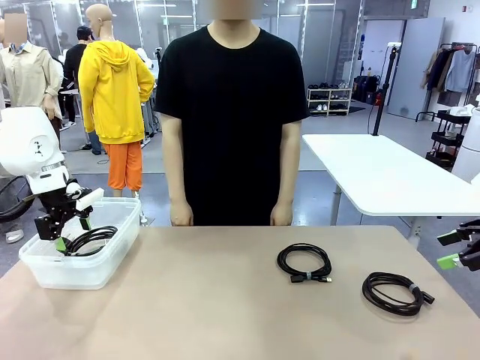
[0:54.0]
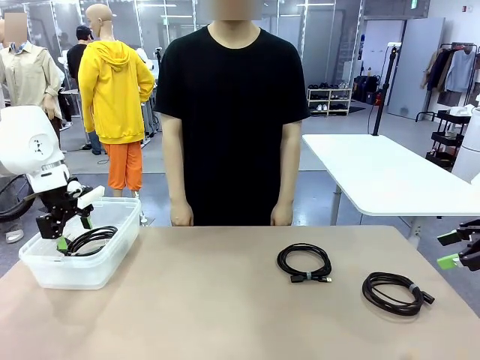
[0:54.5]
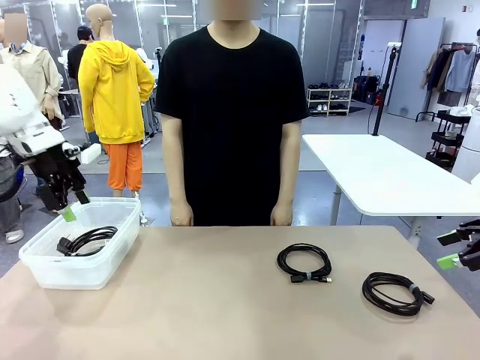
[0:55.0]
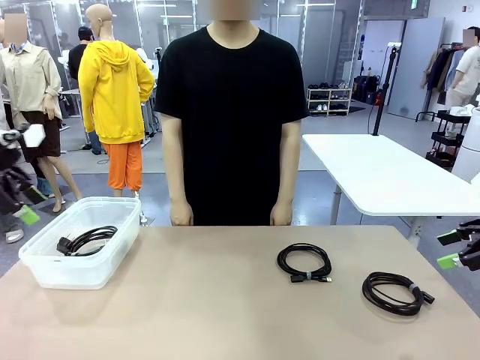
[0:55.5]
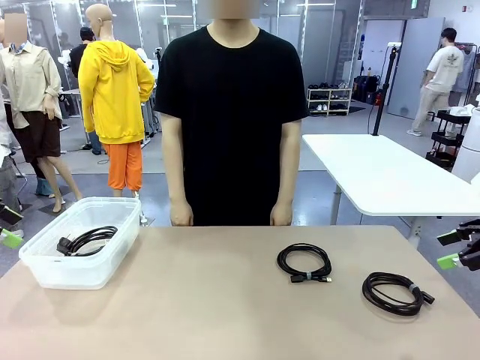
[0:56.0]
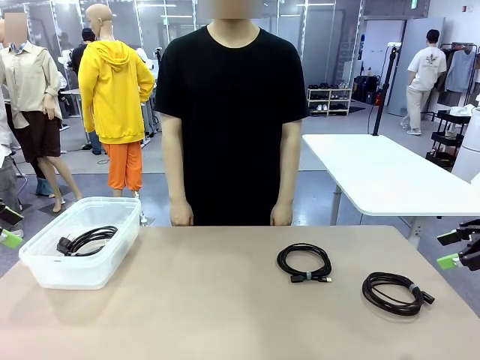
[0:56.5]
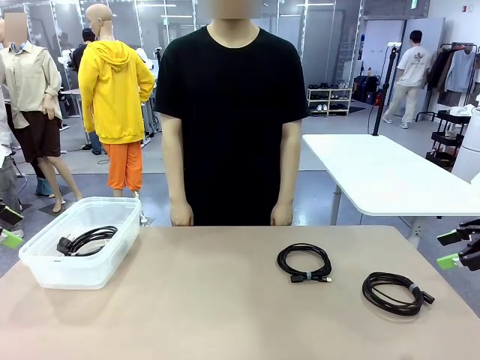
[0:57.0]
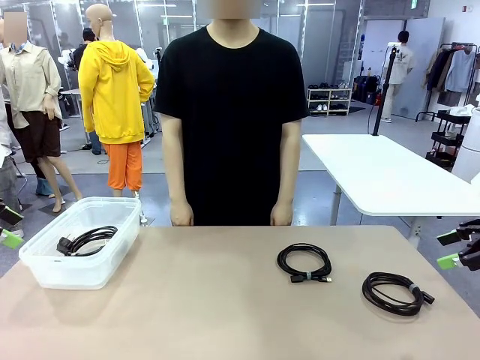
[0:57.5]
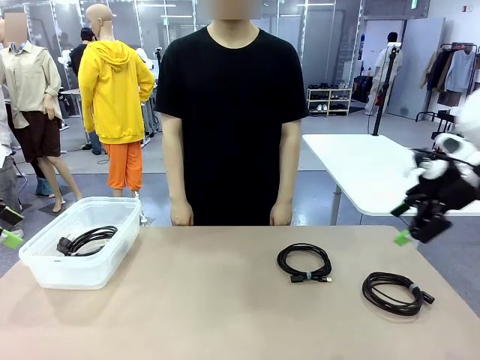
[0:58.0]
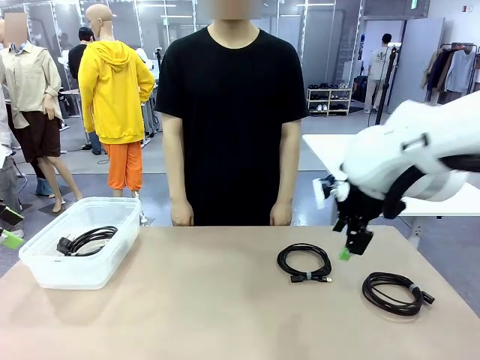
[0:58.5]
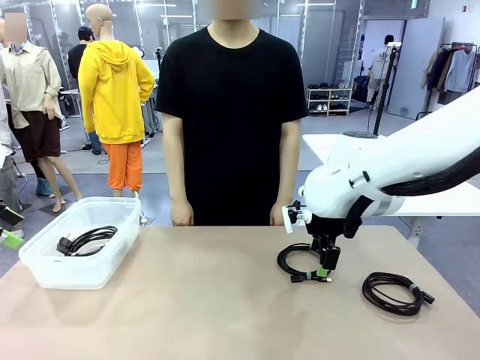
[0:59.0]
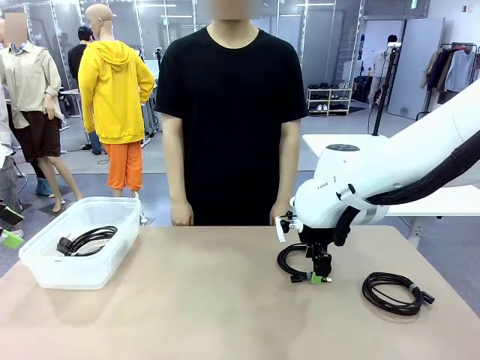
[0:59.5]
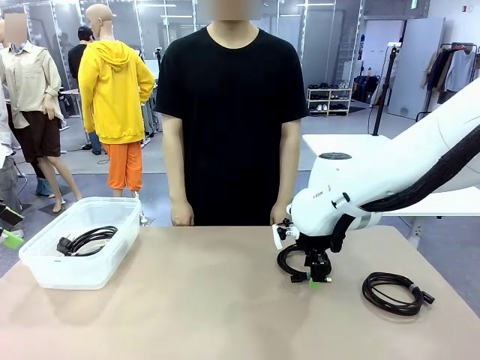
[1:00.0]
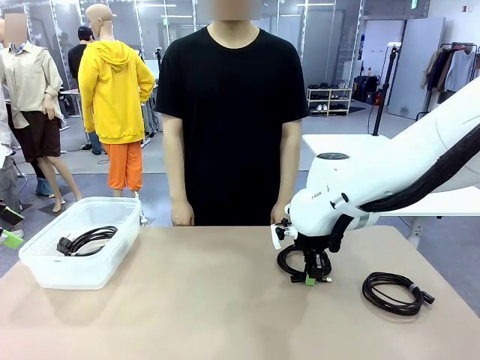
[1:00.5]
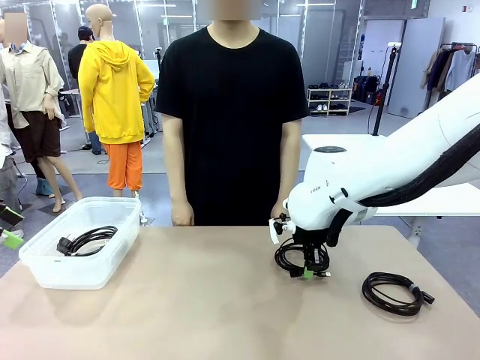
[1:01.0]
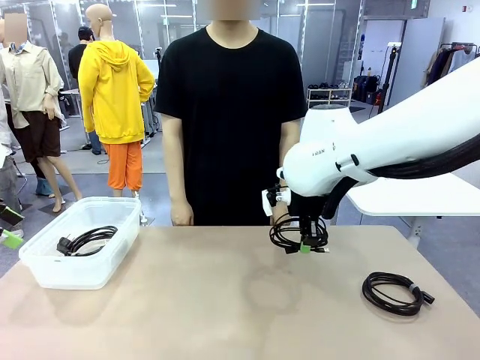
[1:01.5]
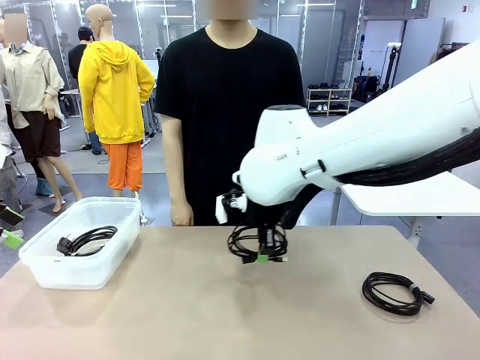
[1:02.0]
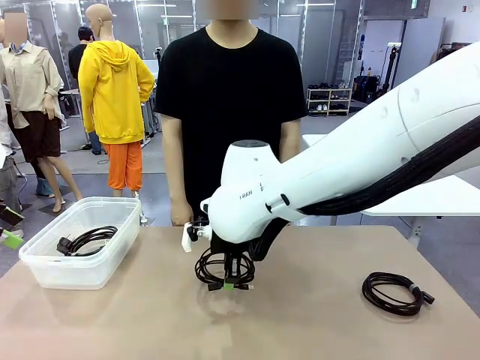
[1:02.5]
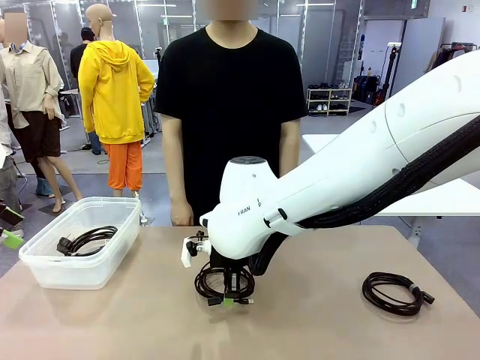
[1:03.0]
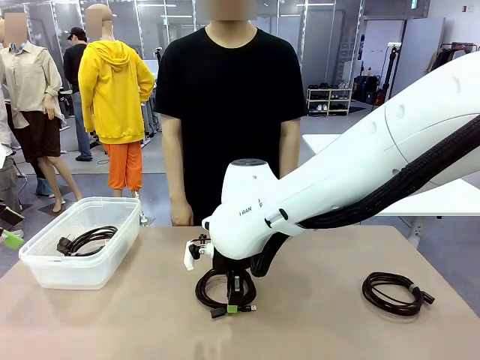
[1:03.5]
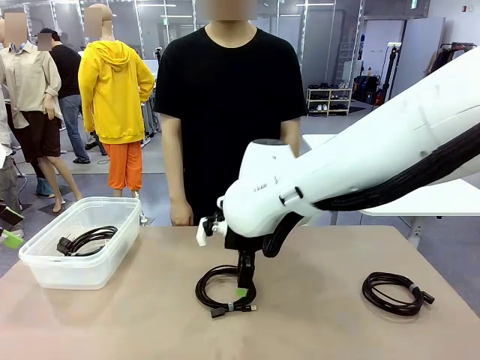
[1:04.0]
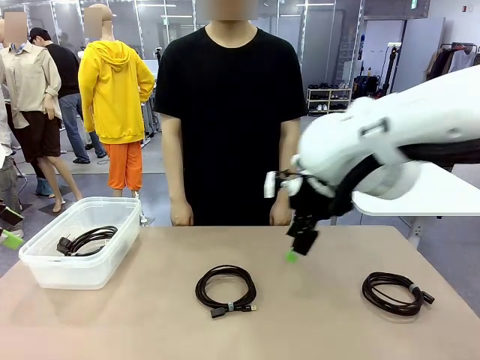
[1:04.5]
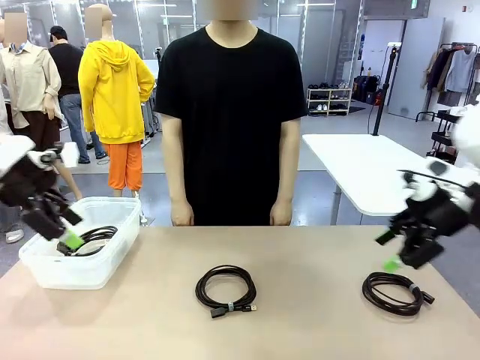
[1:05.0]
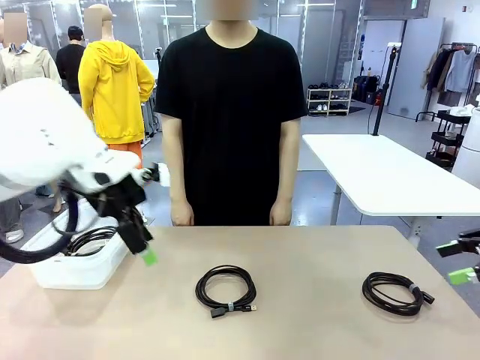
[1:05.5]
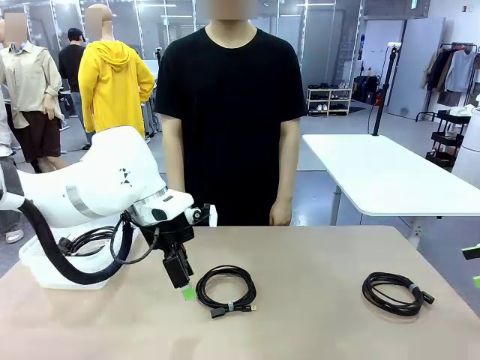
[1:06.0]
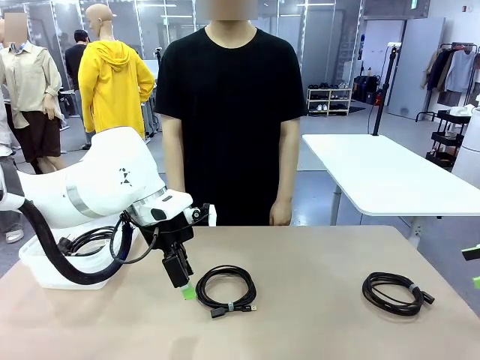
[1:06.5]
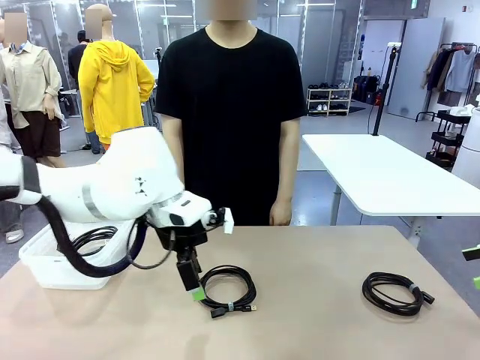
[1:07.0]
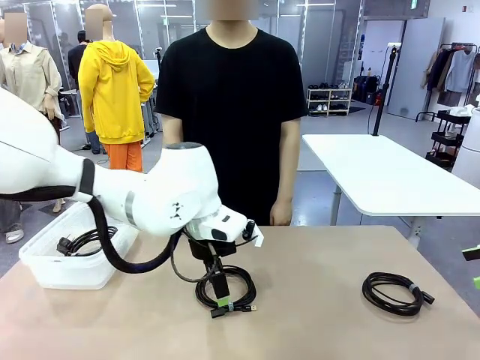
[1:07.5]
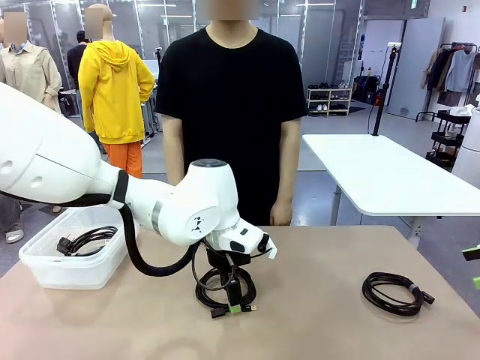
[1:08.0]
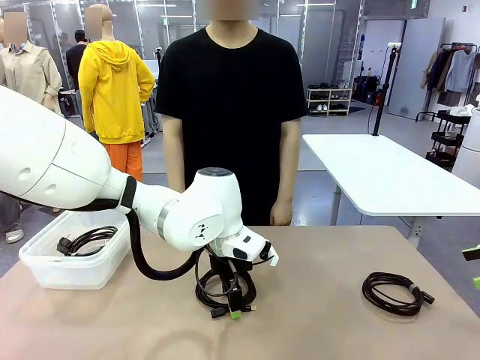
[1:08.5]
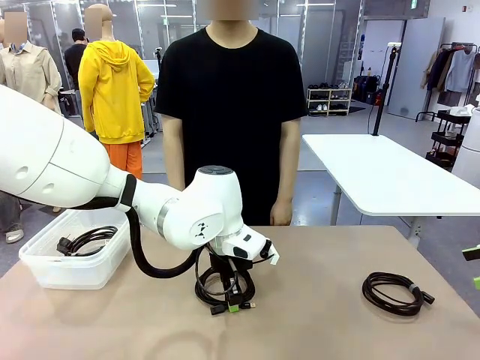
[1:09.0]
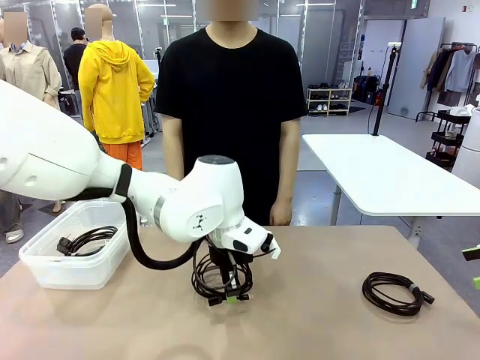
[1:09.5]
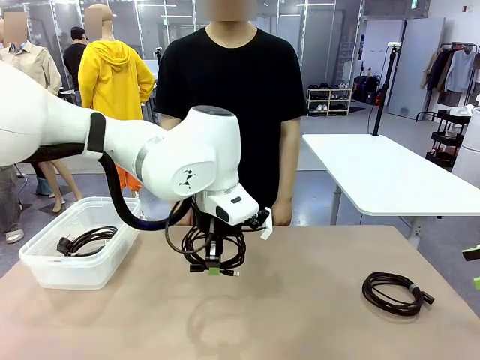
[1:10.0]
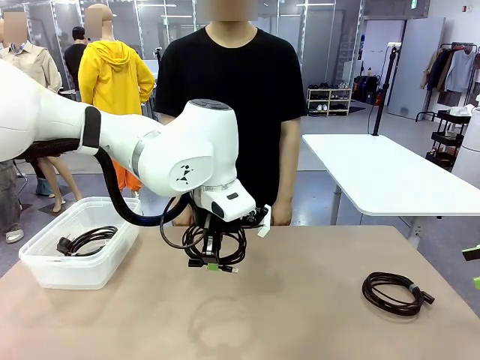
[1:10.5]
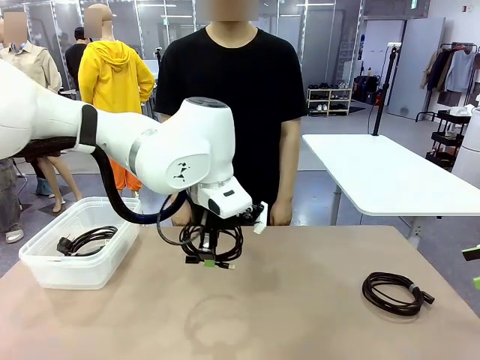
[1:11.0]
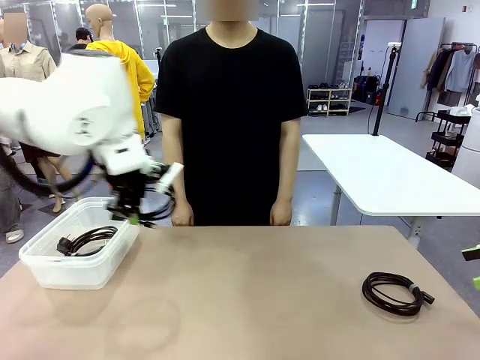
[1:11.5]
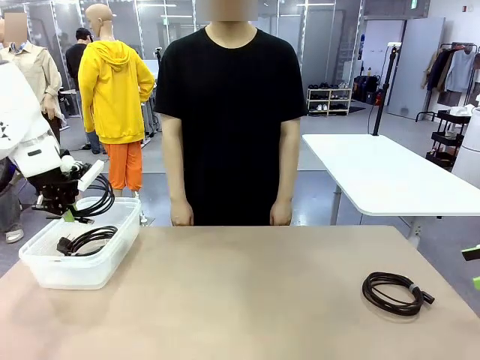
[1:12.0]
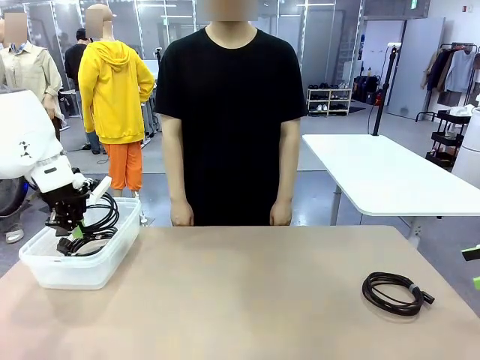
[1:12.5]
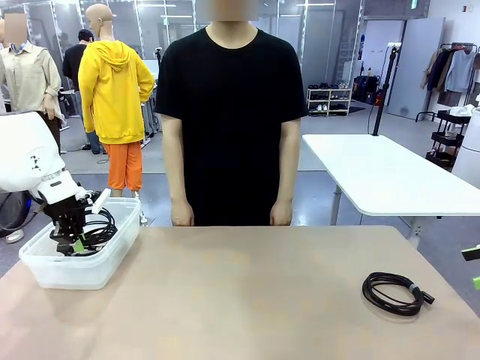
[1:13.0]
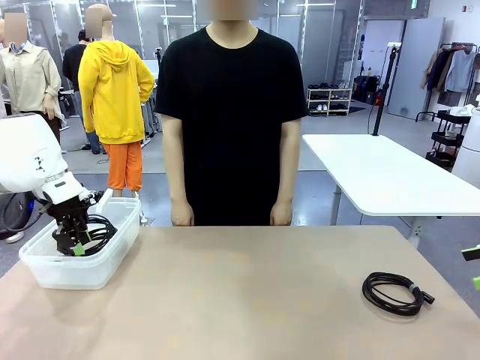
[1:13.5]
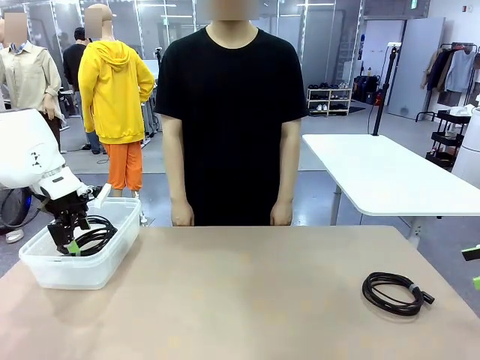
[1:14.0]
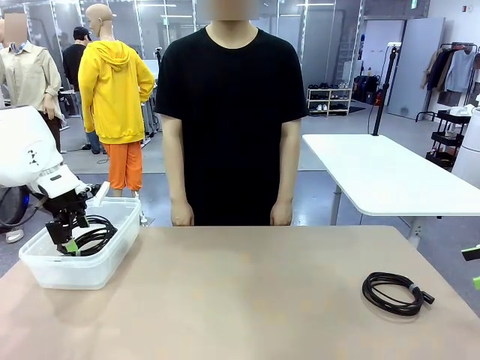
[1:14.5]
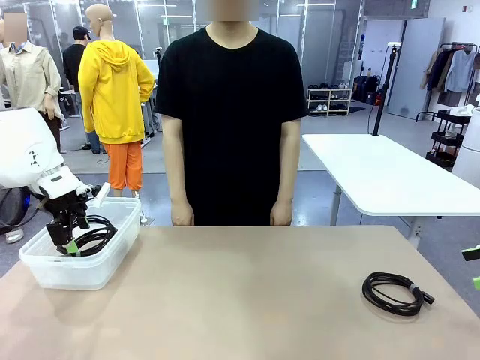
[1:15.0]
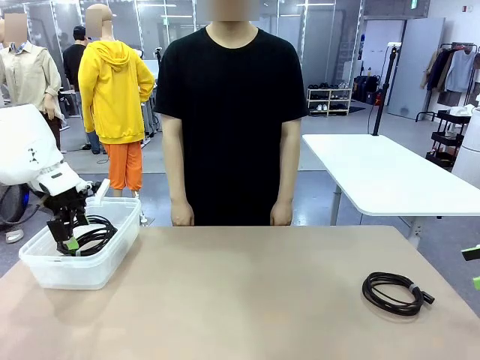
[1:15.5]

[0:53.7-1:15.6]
Task: Organize and store the cables.
Robot: Place the USB Extension Cable into the Organizing box.

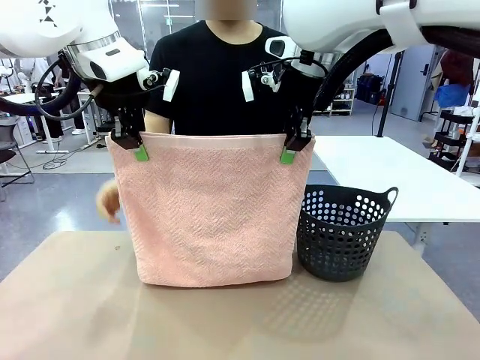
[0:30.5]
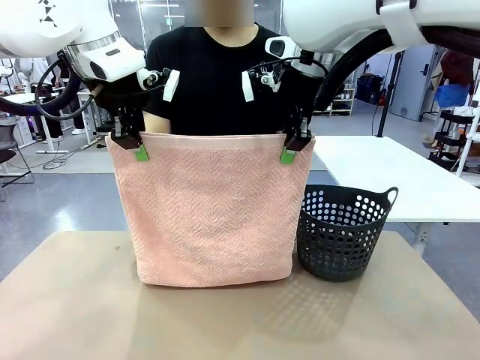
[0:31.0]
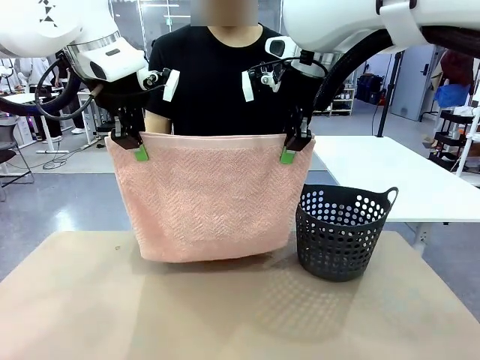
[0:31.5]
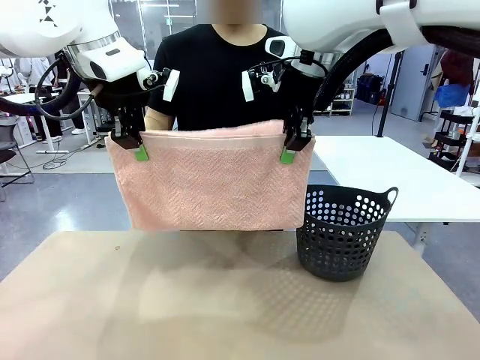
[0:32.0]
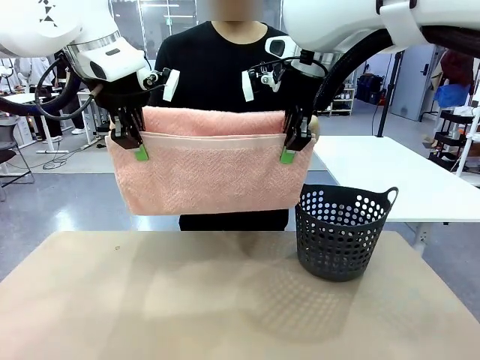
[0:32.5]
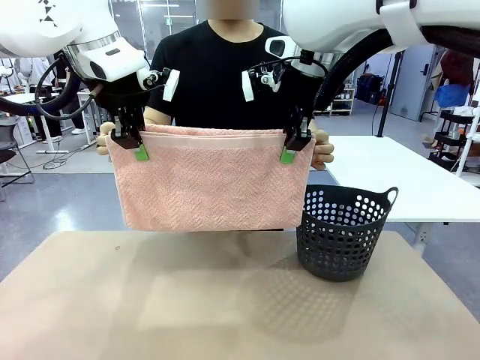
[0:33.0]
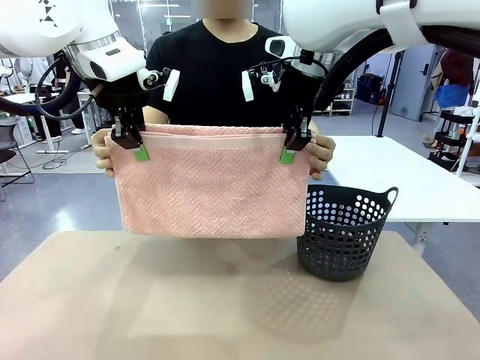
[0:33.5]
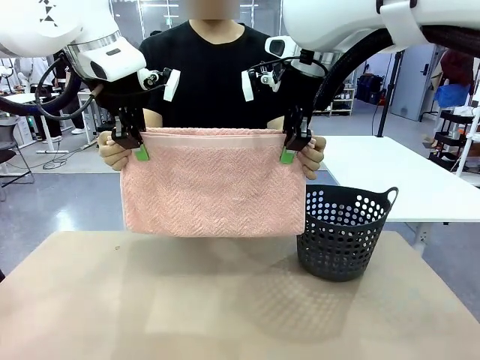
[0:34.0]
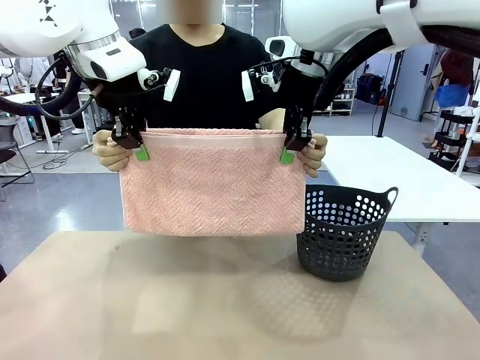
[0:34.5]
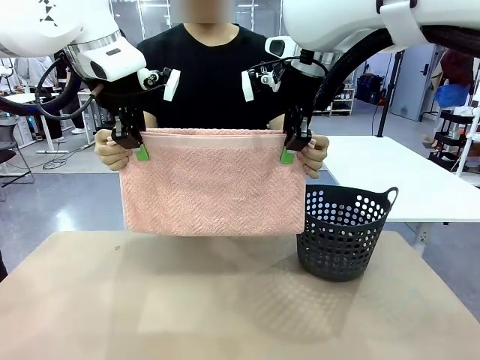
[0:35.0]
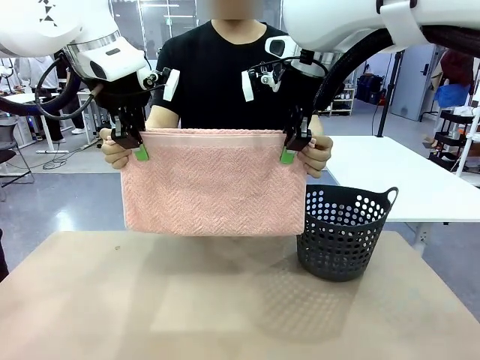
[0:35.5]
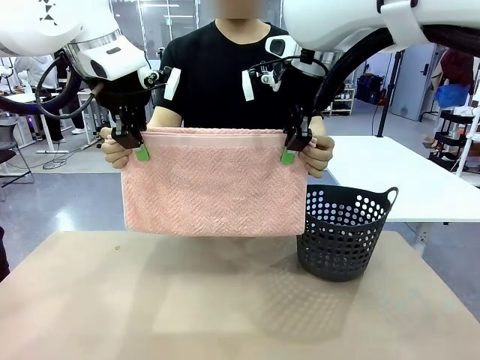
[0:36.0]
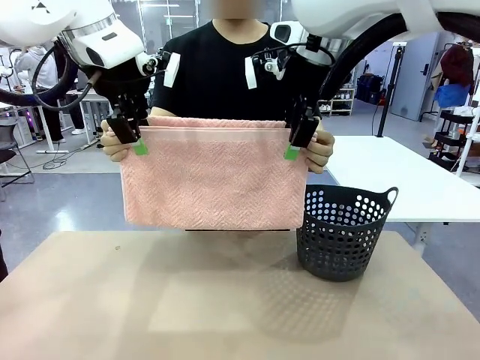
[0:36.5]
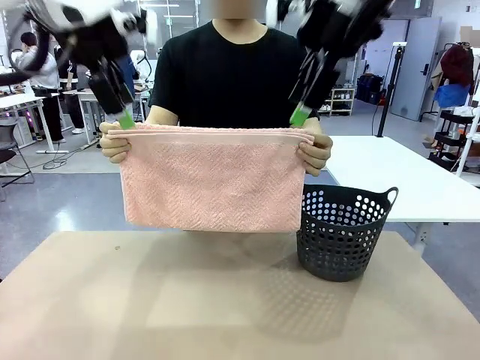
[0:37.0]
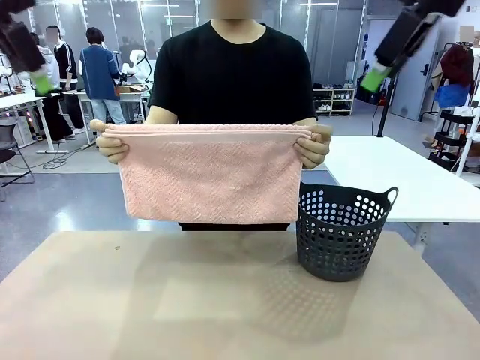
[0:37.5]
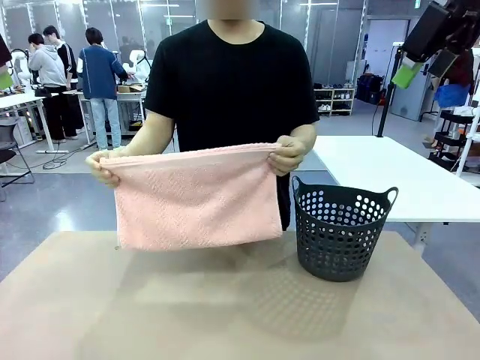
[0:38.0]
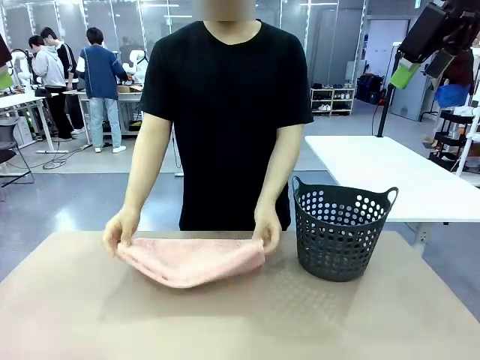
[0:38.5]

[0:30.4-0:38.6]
Task: Fold the towel.
Robot: Release the end of the 100 cm Hotel Towel you were holding.
Person: Place the towel at the center of the robot table and fold it in half.
